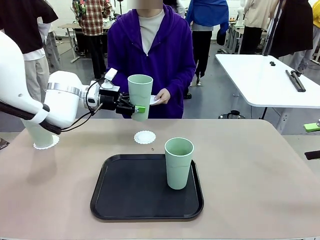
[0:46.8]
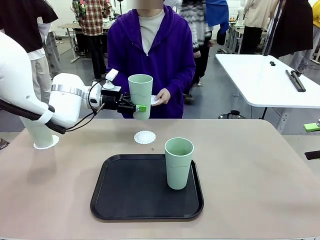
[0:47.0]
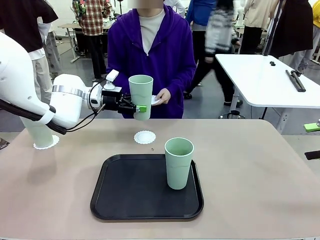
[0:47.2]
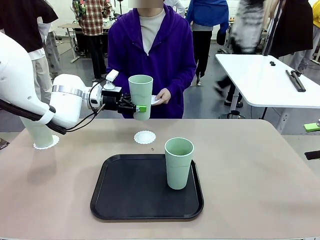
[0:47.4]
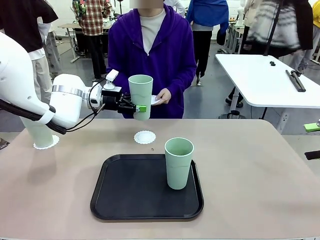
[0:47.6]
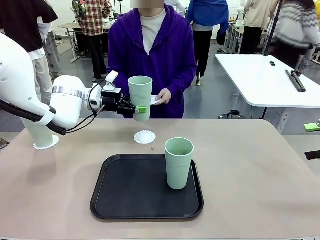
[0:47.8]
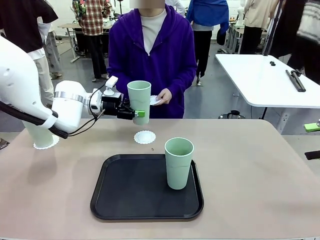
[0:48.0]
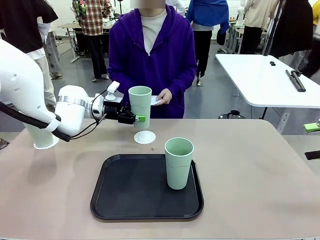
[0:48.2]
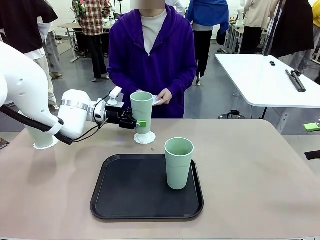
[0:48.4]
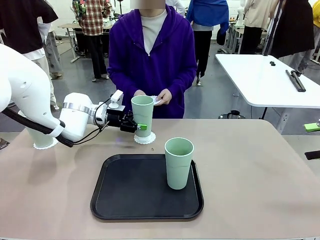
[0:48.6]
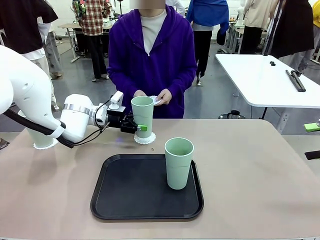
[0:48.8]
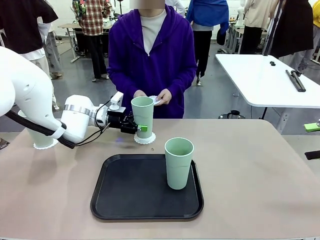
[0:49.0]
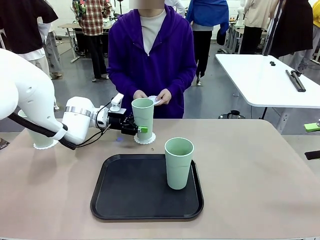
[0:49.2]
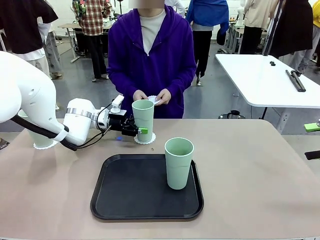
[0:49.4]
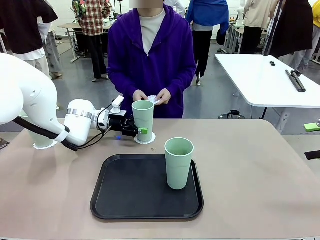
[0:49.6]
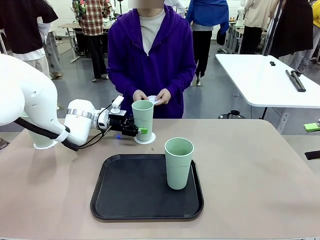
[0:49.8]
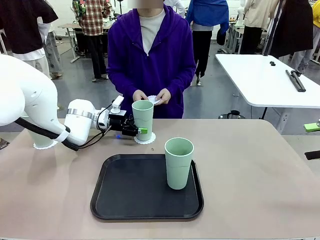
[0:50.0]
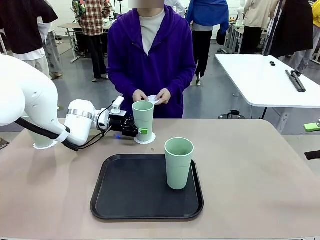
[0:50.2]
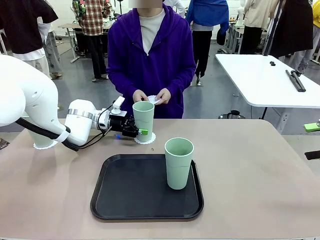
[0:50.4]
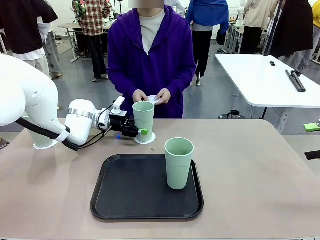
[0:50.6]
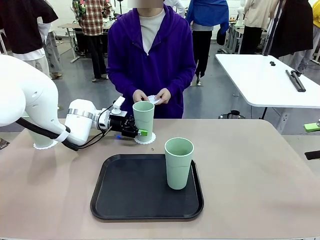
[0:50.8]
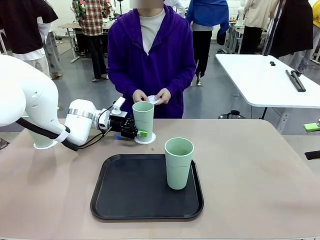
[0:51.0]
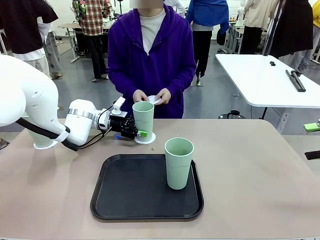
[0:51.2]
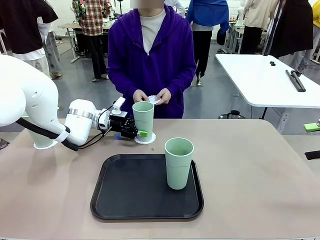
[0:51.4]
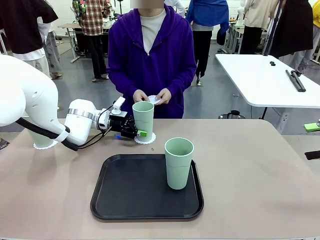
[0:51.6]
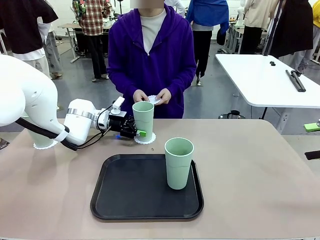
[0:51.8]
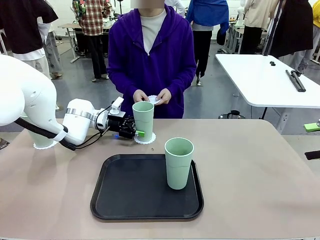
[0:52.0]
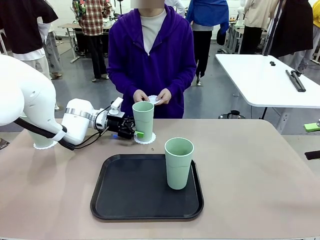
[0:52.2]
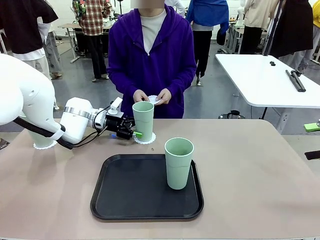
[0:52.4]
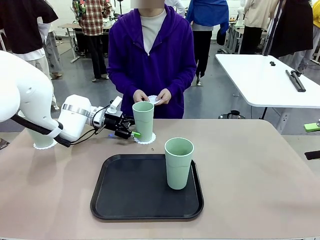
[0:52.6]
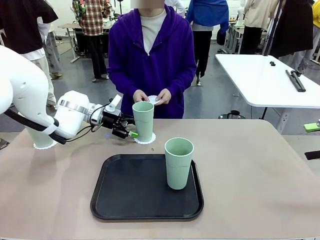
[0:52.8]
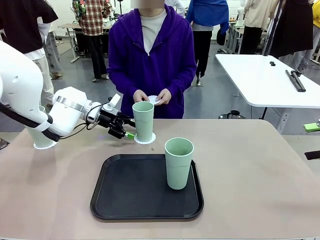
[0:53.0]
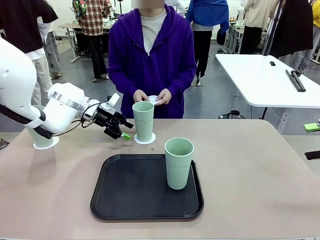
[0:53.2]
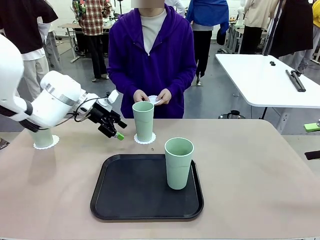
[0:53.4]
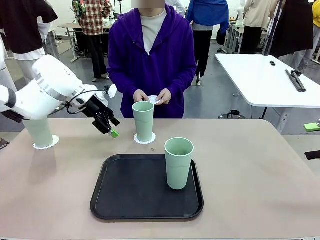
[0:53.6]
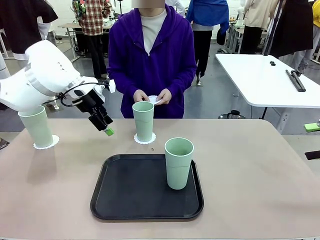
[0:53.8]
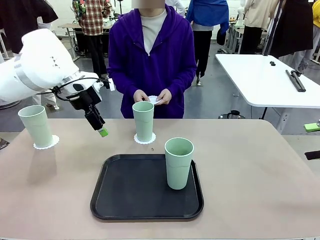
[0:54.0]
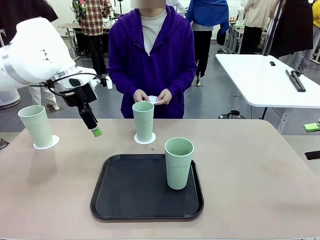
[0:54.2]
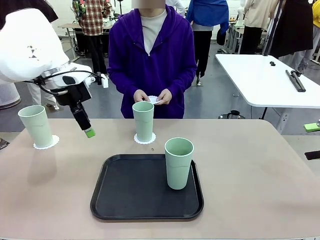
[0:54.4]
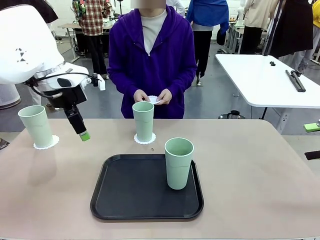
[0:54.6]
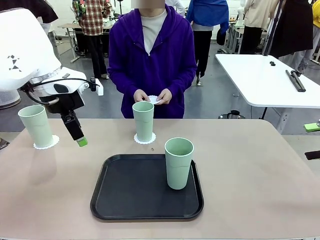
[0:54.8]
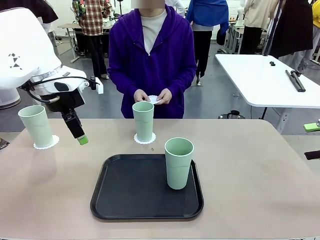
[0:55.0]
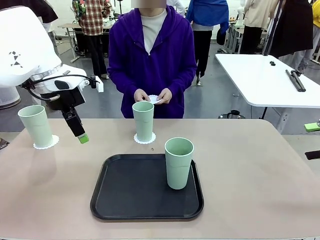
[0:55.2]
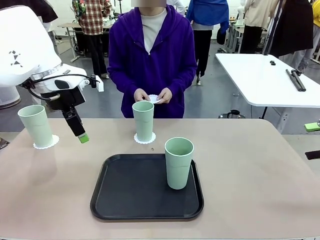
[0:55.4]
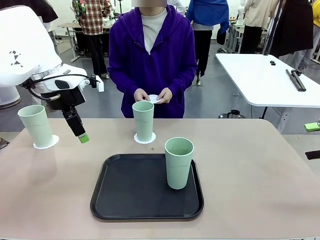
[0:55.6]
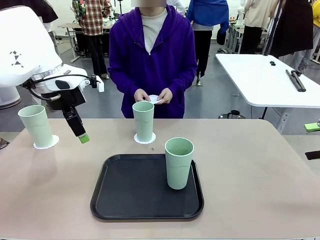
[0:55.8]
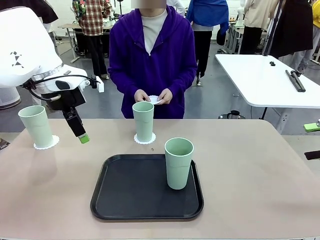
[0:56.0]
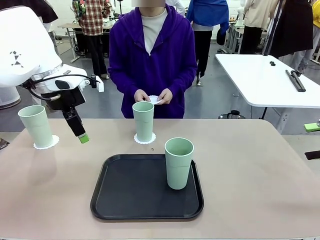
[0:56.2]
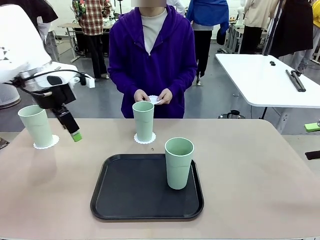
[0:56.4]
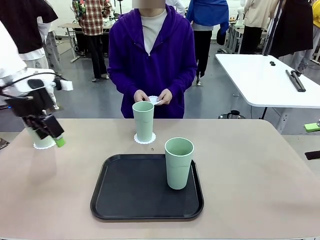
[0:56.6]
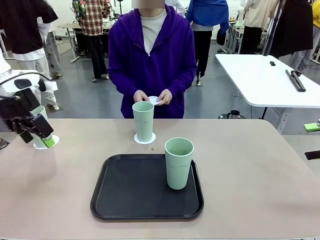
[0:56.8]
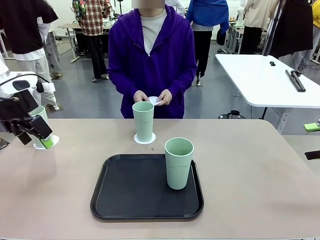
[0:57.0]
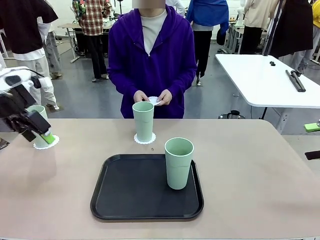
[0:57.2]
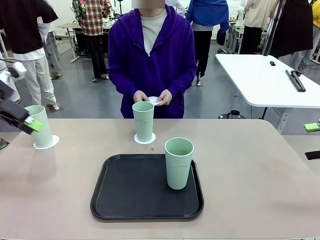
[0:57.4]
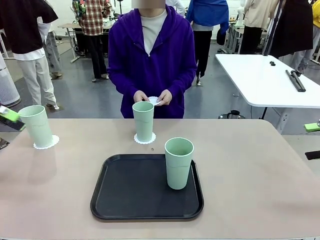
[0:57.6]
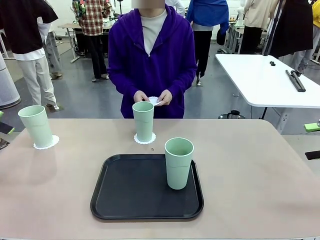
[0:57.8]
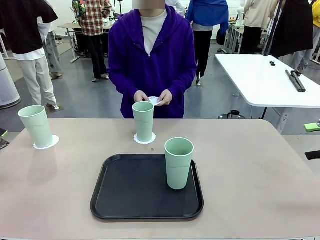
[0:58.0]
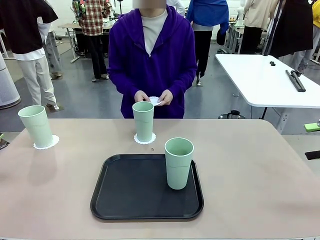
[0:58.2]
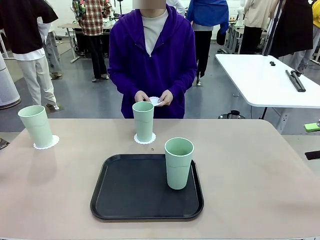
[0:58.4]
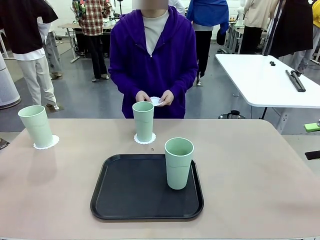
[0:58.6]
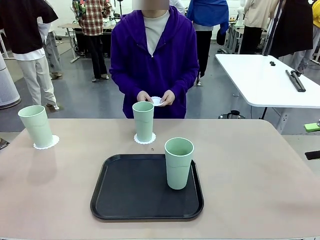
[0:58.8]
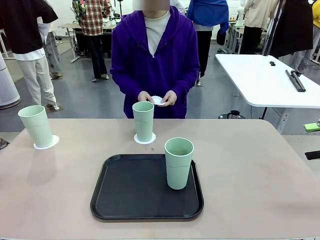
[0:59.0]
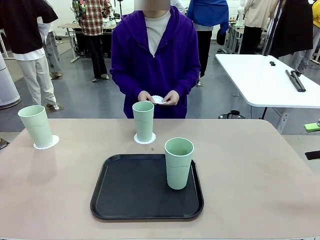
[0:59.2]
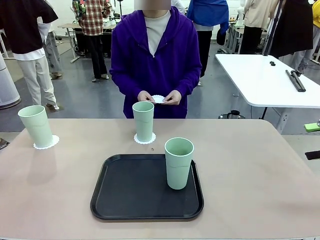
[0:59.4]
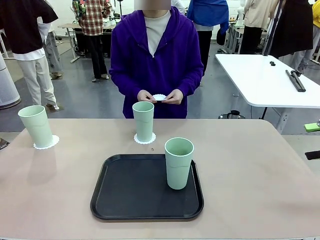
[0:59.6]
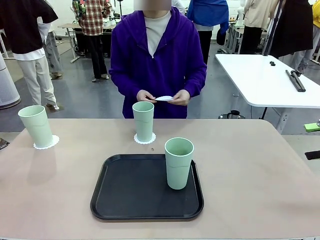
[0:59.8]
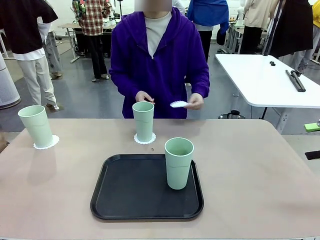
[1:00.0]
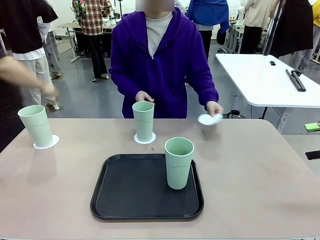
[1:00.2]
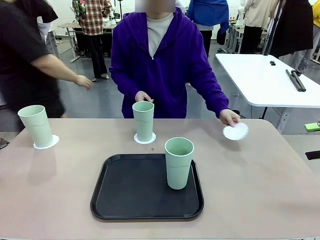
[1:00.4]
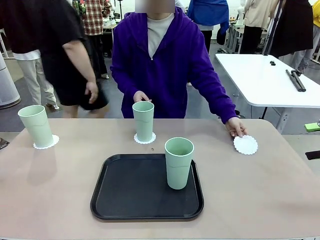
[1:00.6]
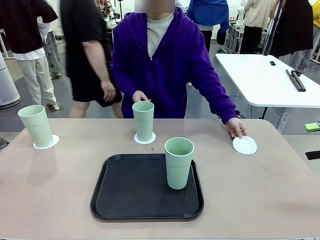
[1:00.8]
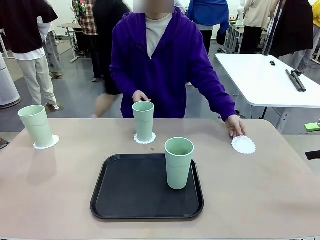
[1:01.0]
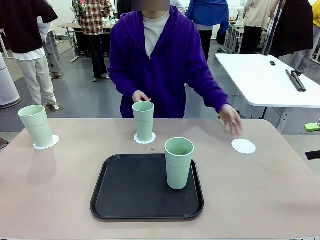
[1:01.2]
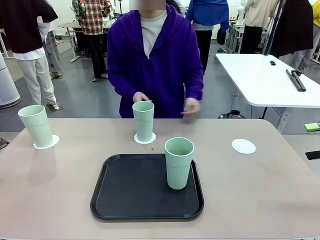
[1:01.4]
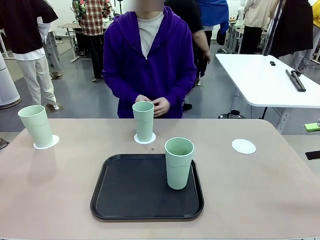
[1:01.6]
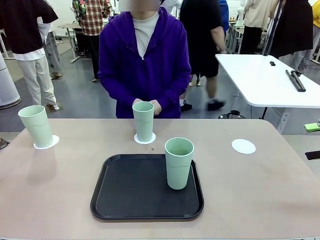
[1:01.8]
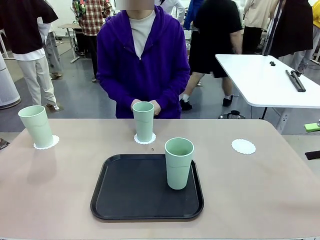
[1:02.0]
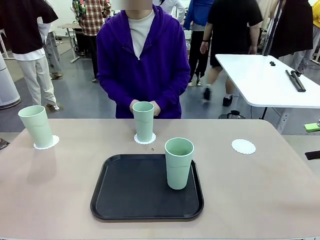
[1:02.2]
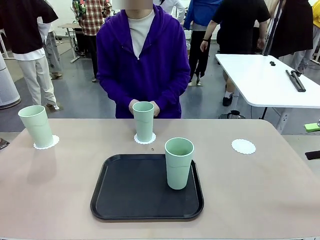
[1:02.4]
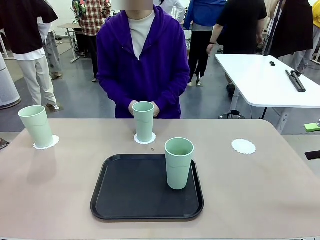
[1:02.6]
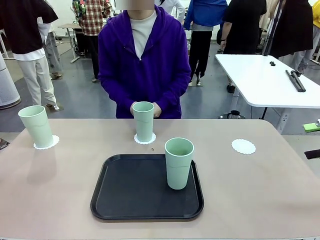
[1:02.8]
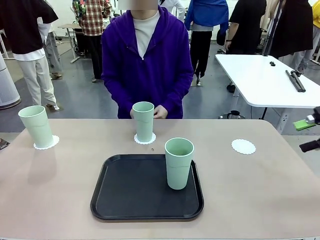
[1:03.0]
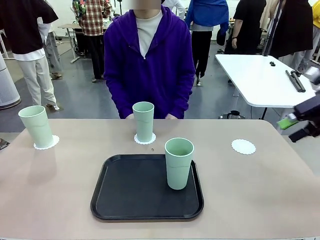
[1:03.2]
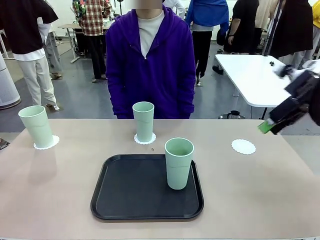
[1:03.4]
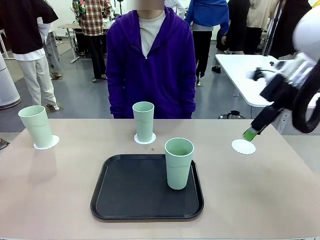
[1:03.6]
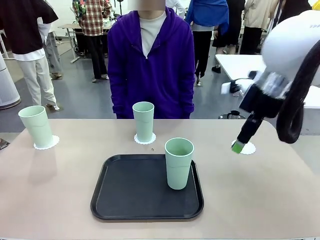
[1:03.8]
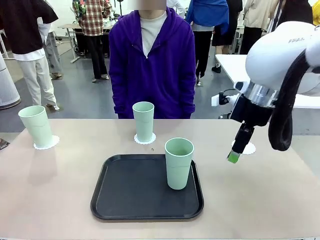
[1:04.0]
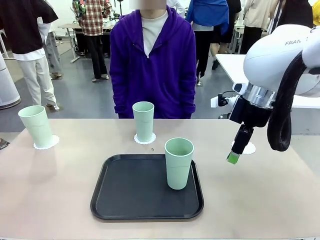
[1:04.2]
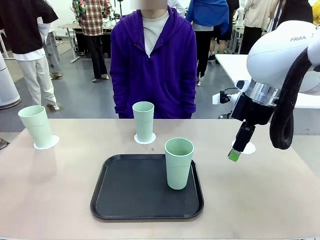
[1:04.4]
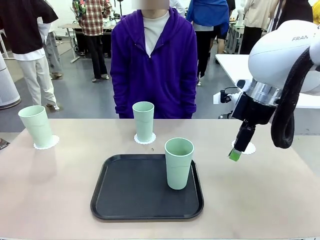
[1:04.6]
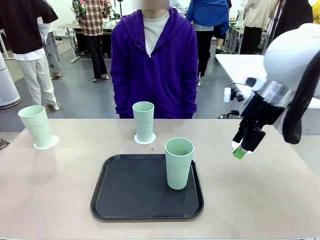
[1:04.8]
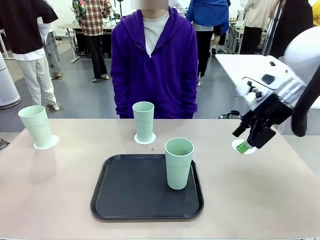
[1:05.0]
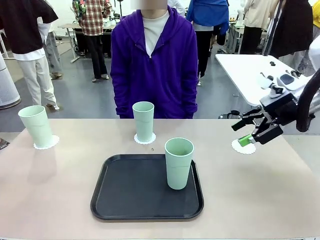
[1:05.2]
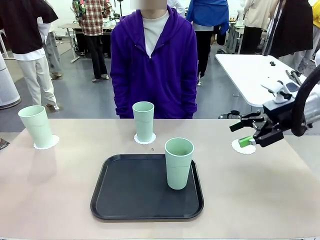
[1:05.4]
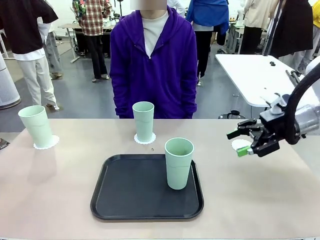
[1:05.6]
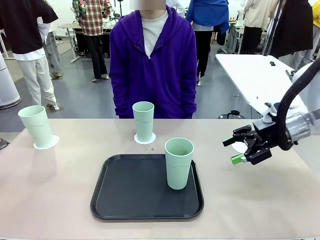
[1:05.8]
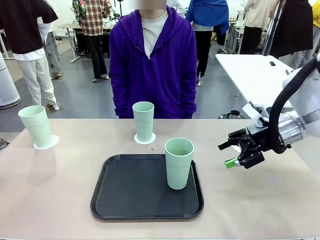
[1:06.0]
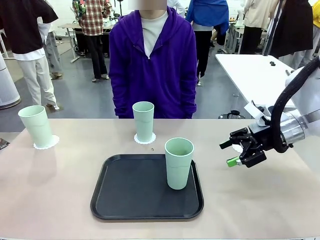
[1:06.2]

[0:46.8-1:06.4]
Task: Place coasters on the table and set cups on them.
Robot: Take one Reusable plastic cup from the Flat Tray and place it on a coaster set by the human.
